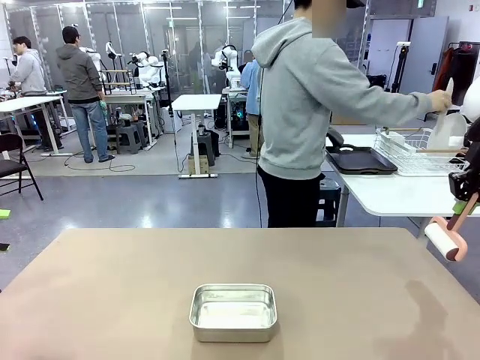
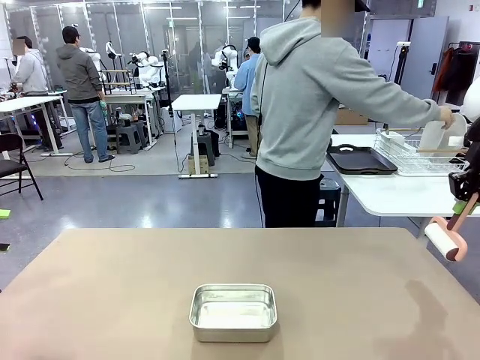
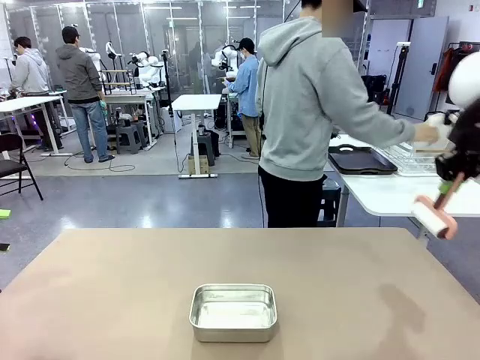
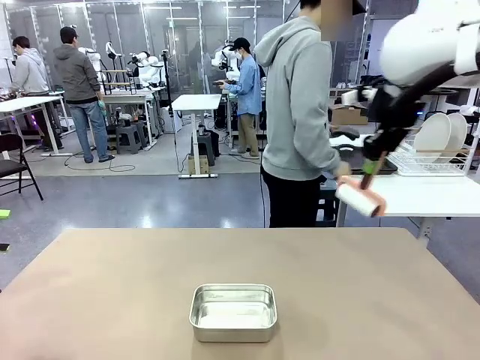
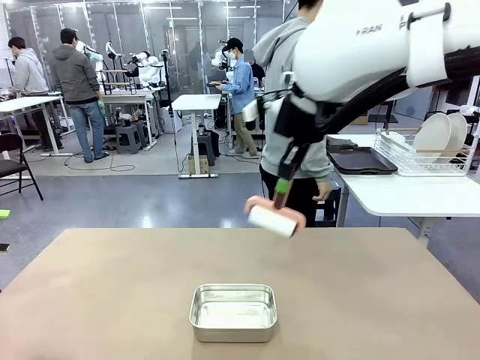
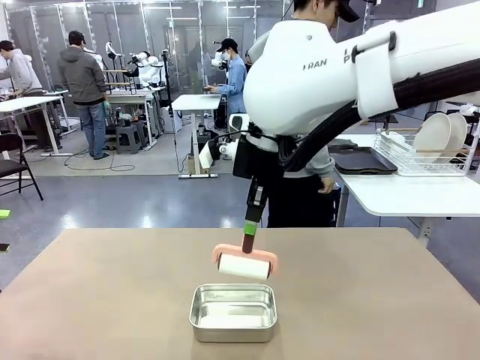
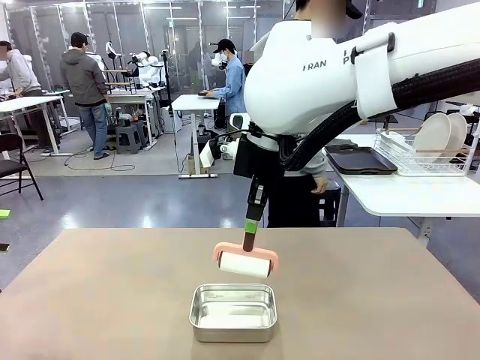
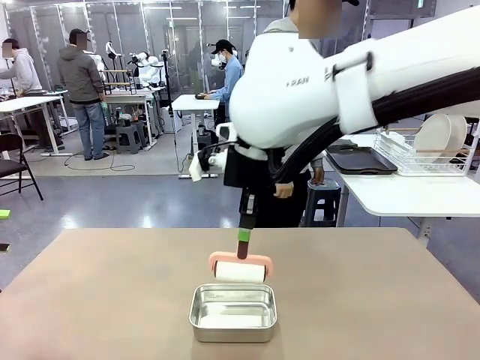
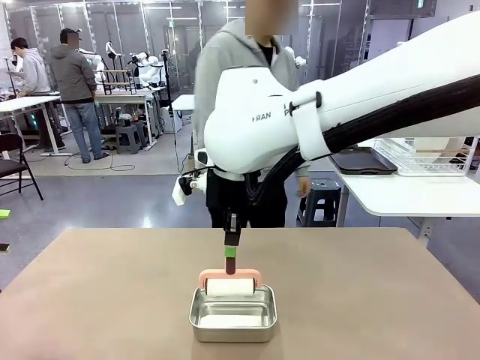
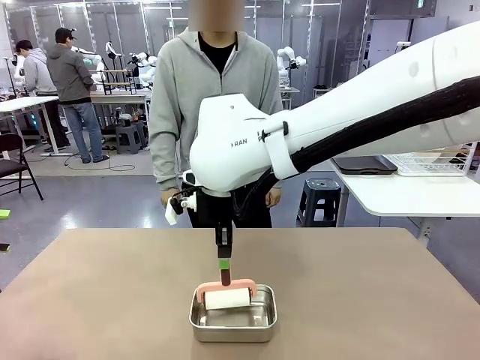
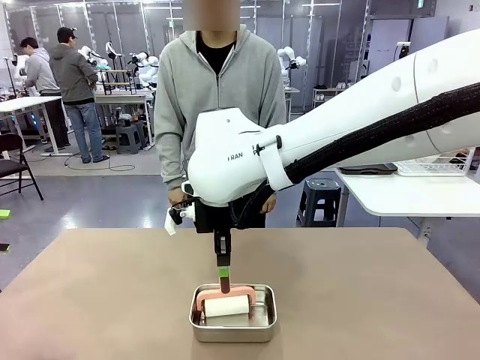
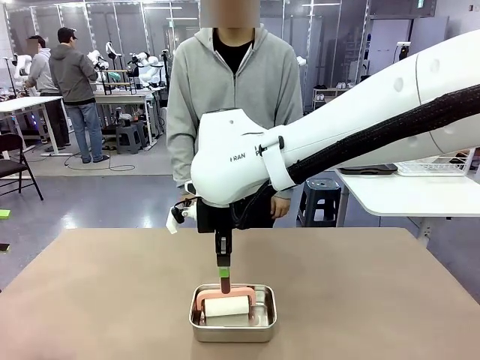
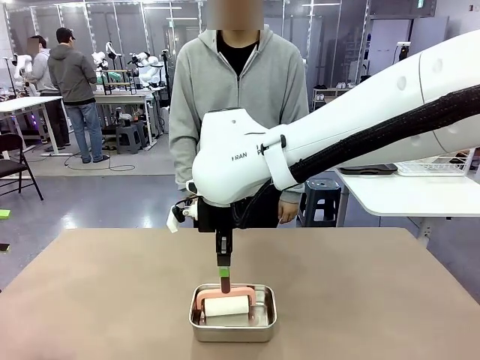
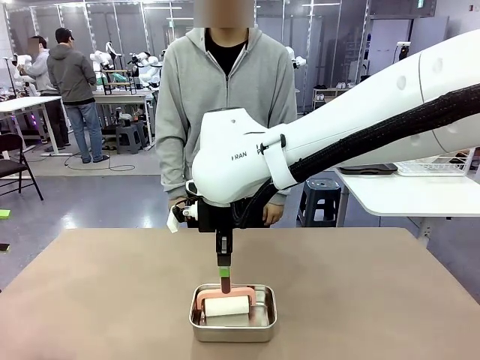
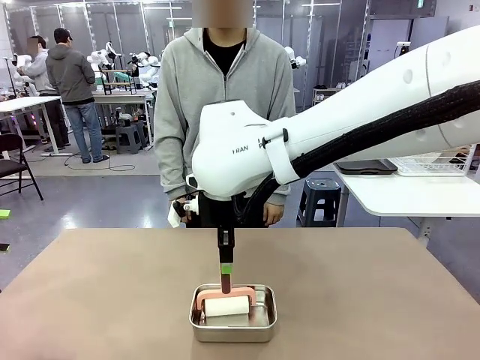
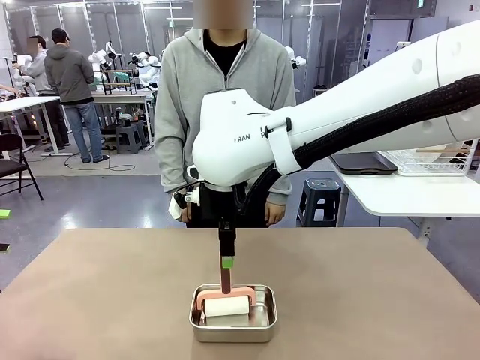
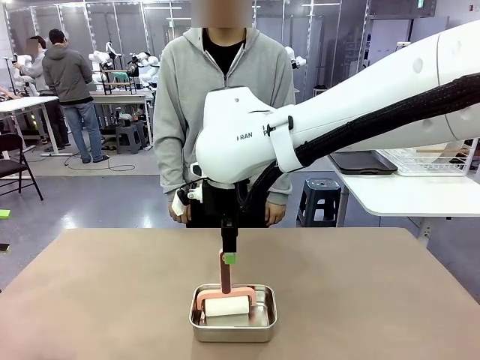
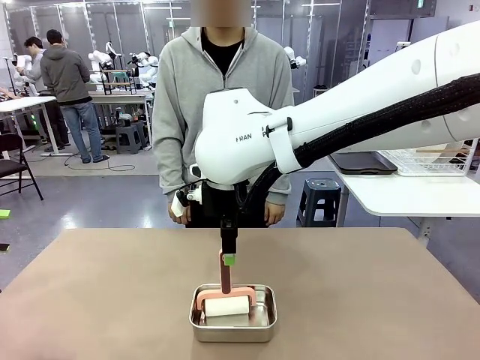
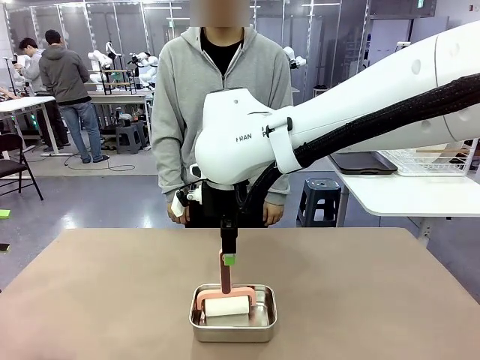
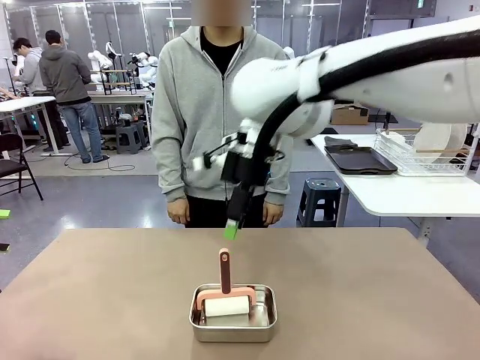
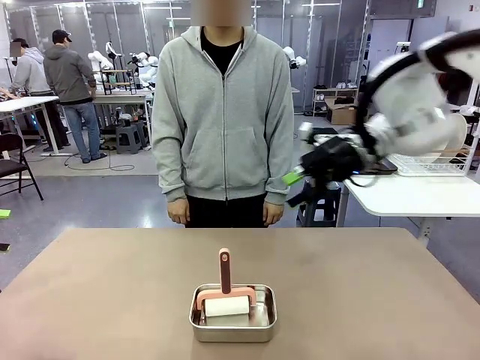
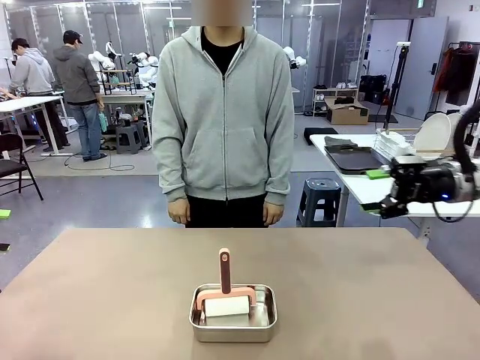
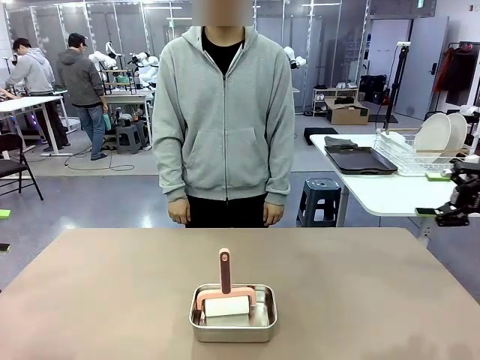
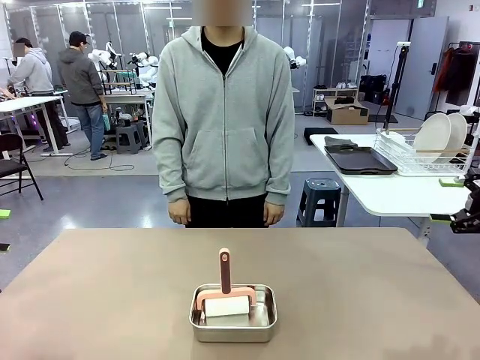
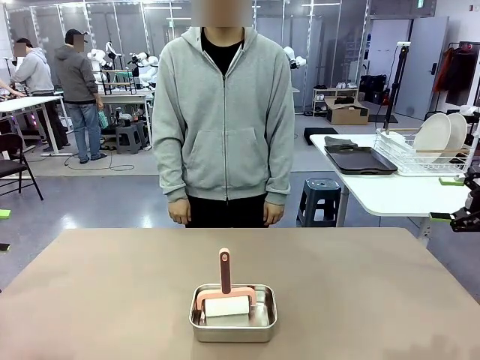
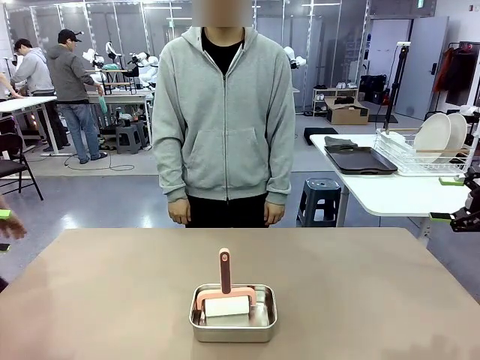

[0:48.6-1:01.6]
Robot: Place the Lint Roller back on top of the Airtight Container.
Person: Use the Towel with hook to wipe the Plastic Matte Plate , Fork , and Knife and place into the Dish drying rack.

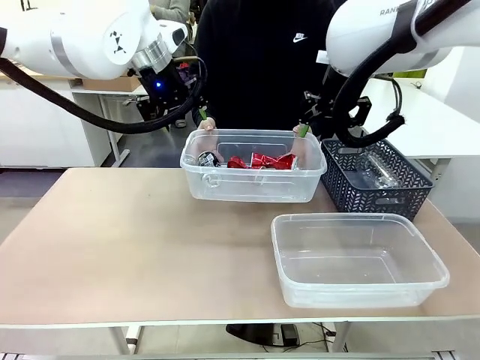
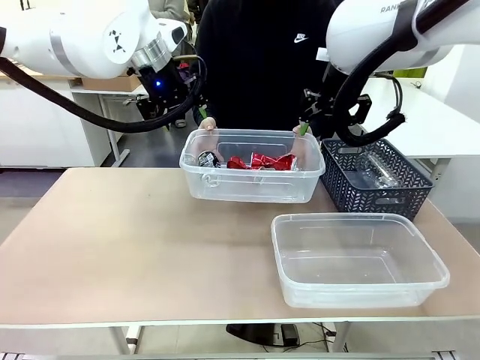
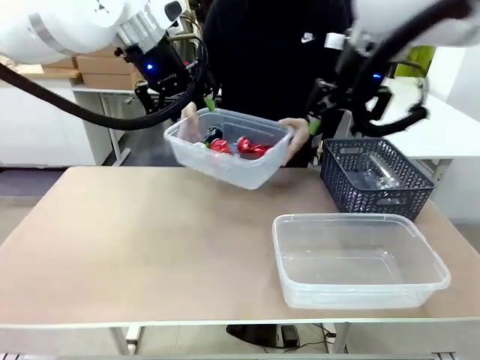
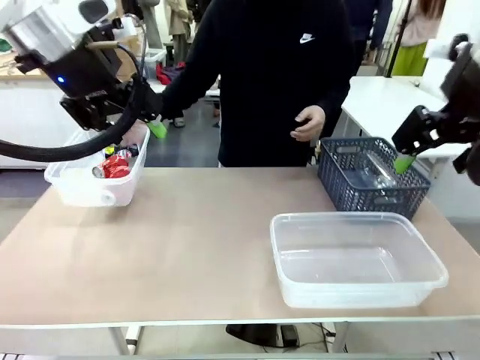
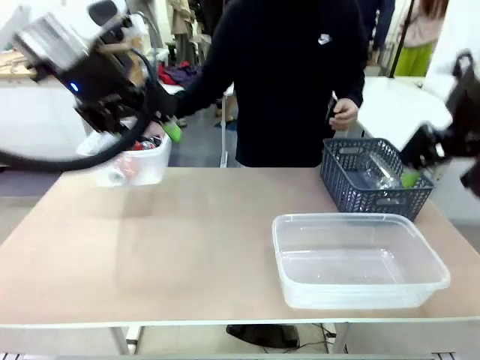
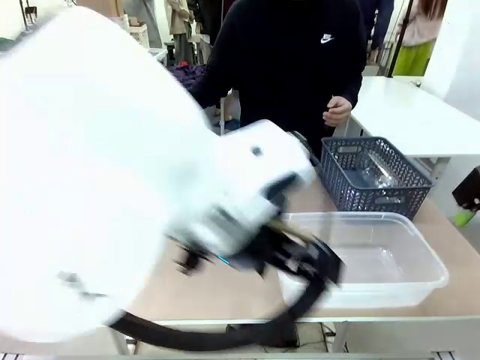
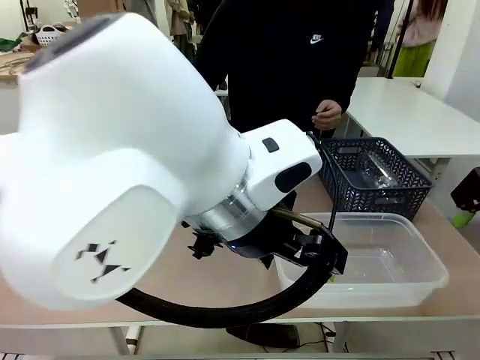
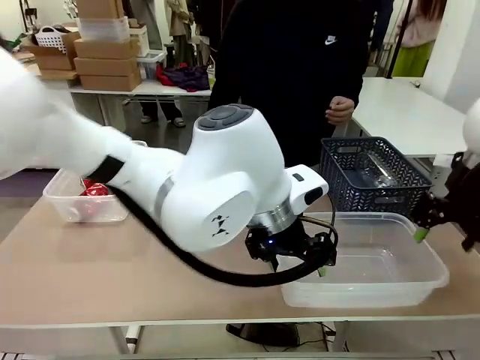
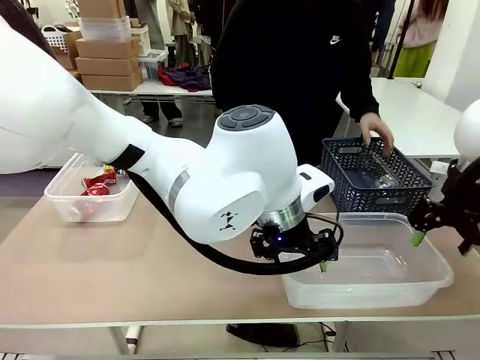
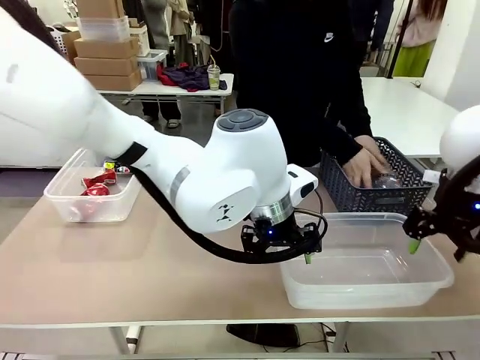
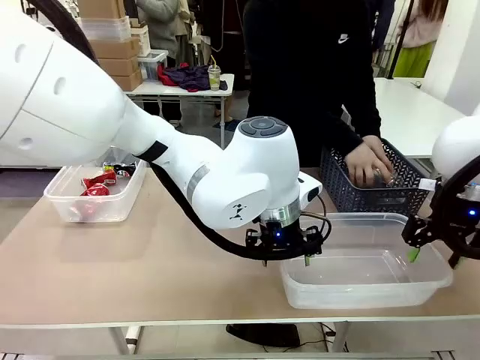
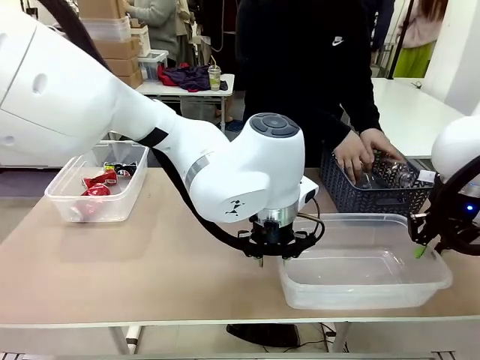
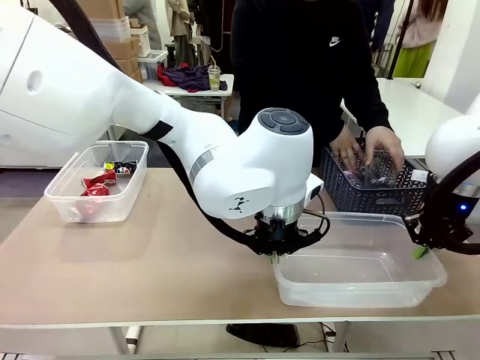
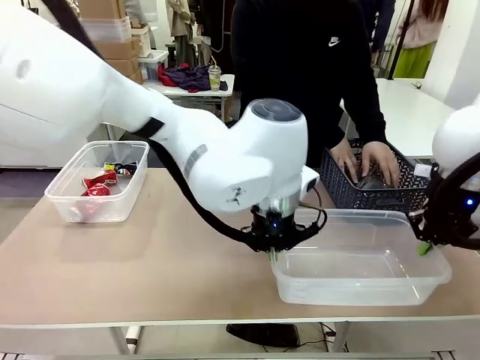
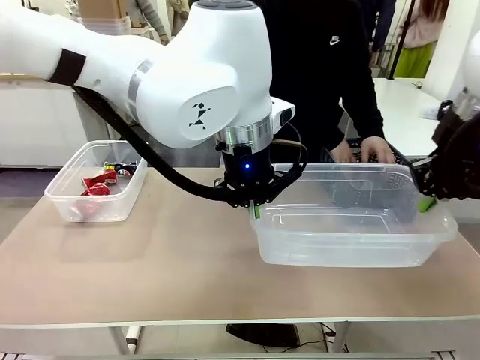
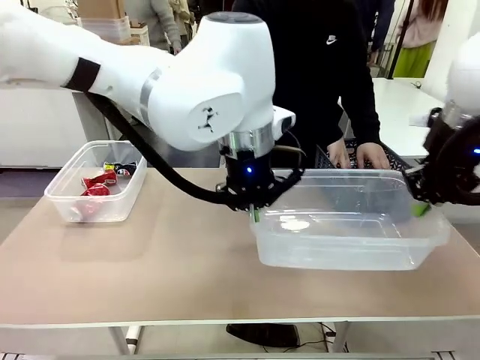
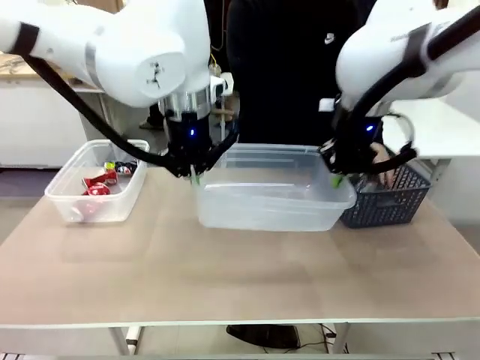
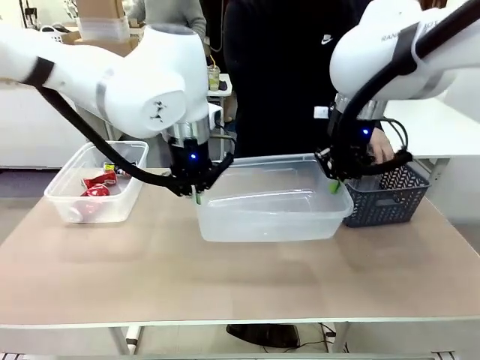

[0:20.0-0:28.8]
Robot: Pick up the Organizing box on the right side of the table and lift it.
Person: Place it at the edge of the bottom right area of the robot table. Pick up plastic waste one by one and place it into the organizing box lifted by the robot.

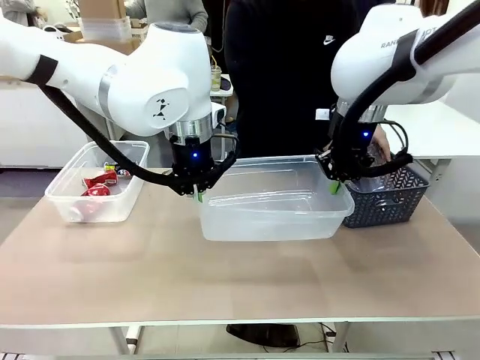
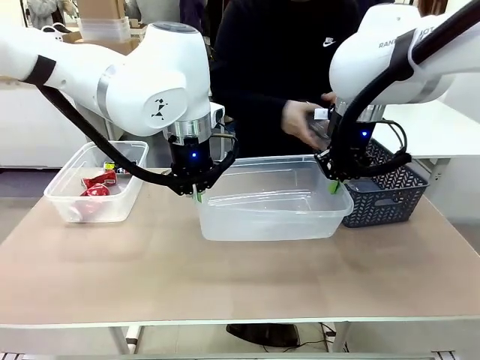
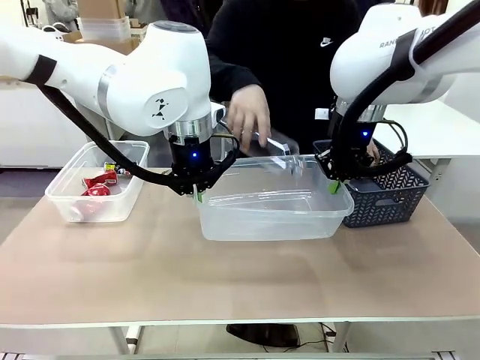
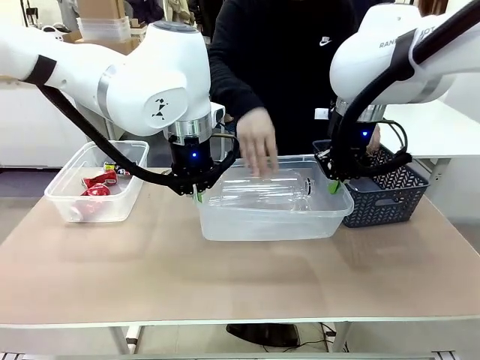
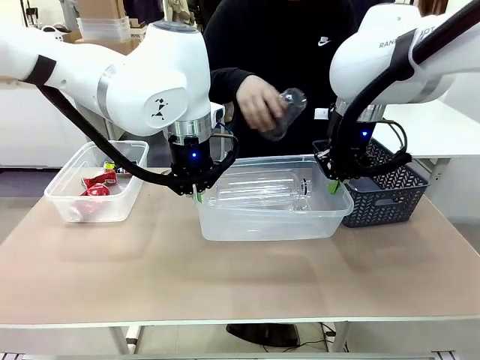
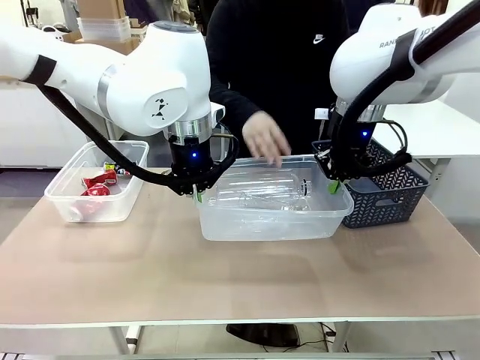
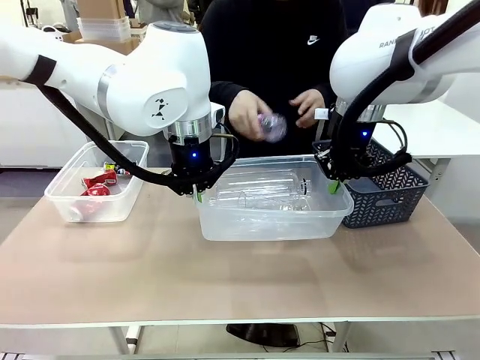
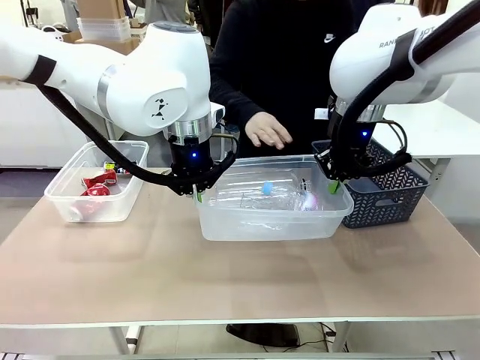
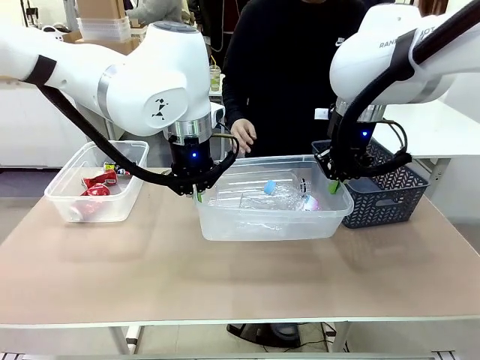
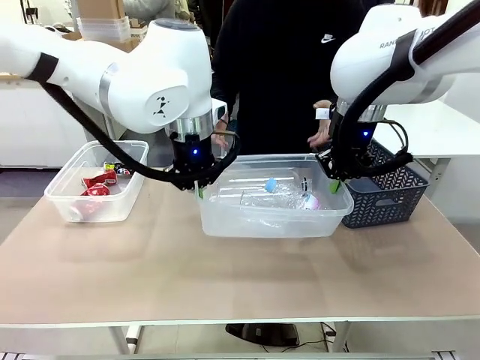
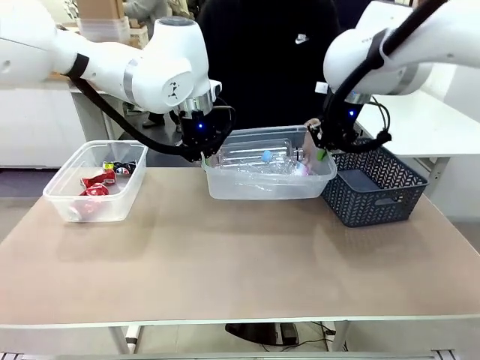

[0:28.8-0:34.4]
Robot: Offer the picked Organizing box to the human.
